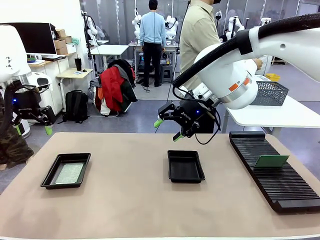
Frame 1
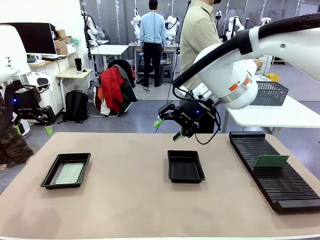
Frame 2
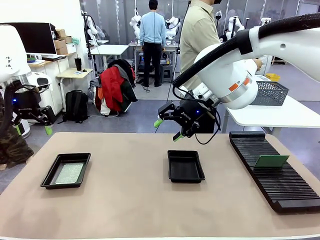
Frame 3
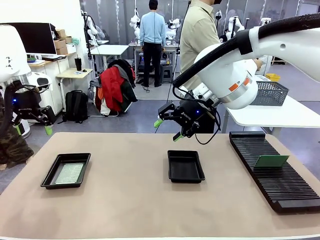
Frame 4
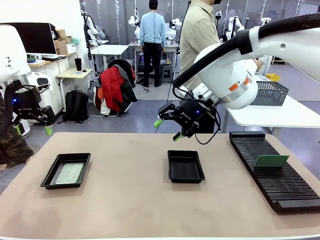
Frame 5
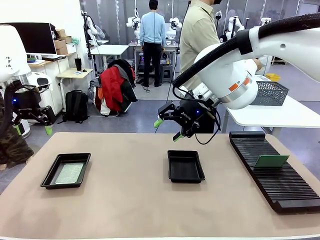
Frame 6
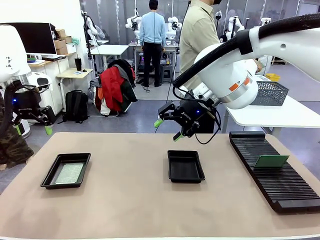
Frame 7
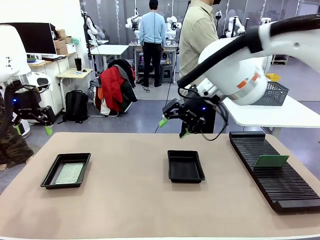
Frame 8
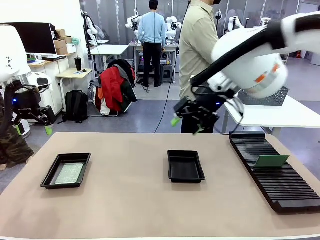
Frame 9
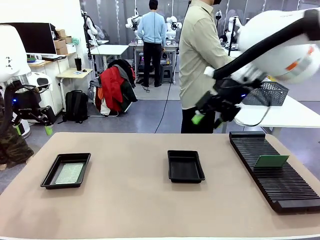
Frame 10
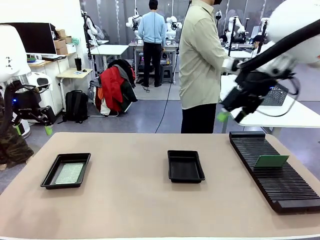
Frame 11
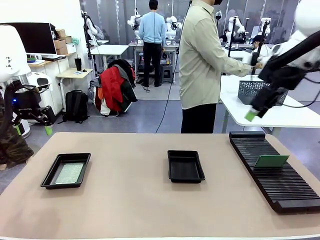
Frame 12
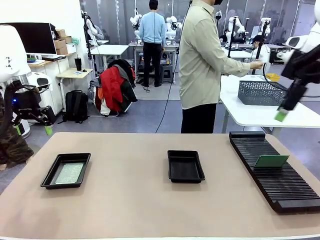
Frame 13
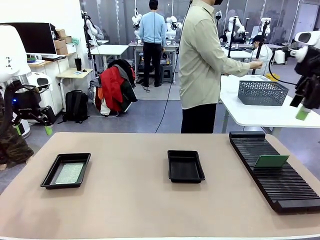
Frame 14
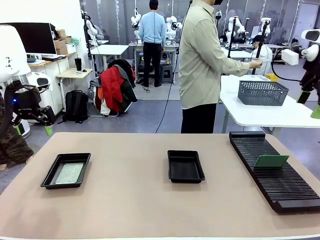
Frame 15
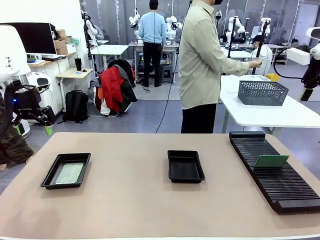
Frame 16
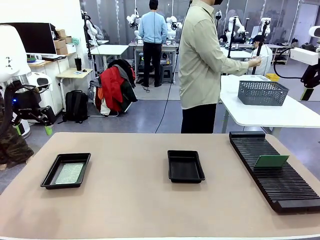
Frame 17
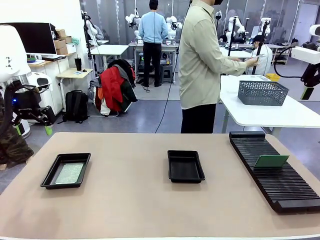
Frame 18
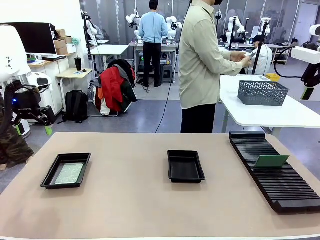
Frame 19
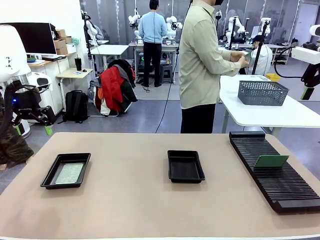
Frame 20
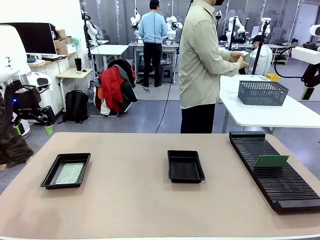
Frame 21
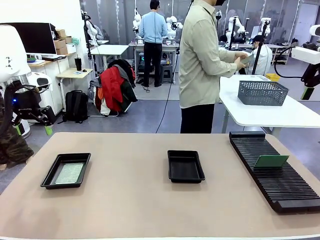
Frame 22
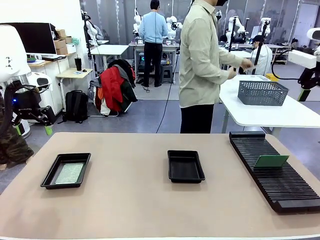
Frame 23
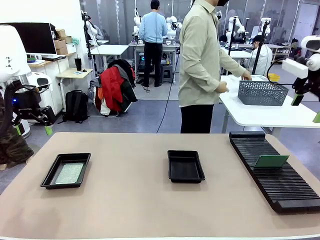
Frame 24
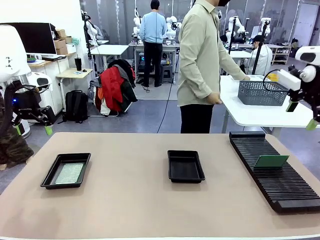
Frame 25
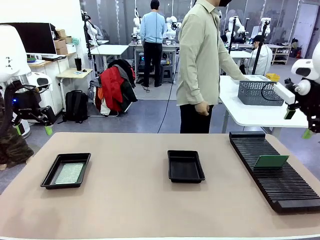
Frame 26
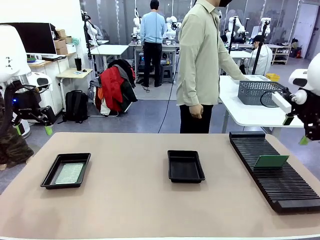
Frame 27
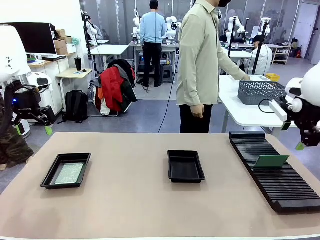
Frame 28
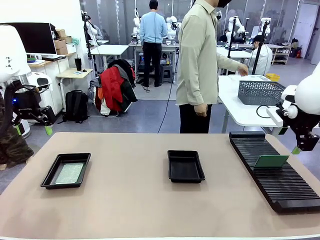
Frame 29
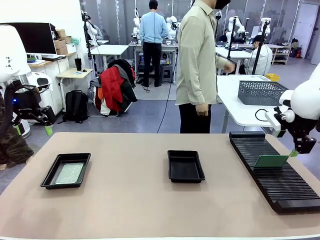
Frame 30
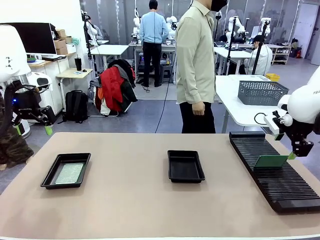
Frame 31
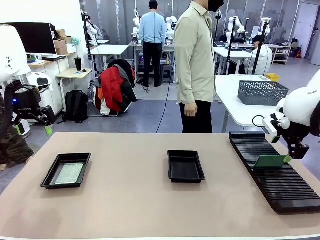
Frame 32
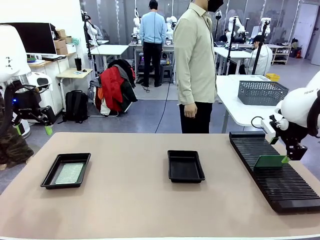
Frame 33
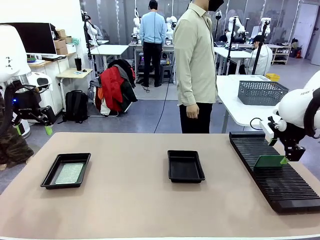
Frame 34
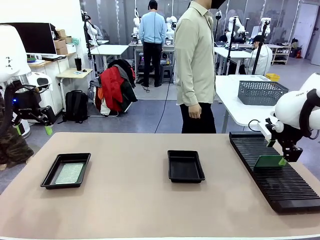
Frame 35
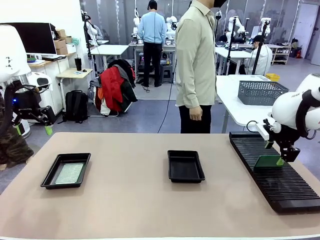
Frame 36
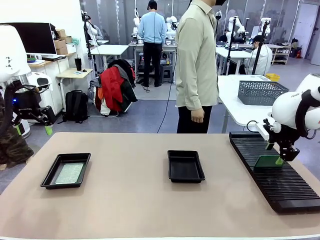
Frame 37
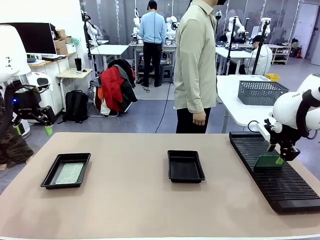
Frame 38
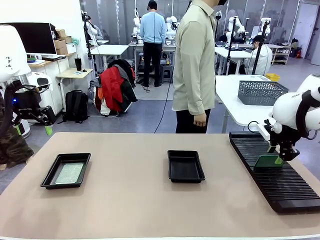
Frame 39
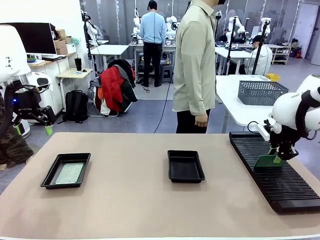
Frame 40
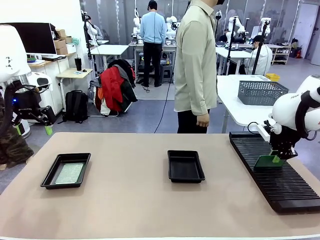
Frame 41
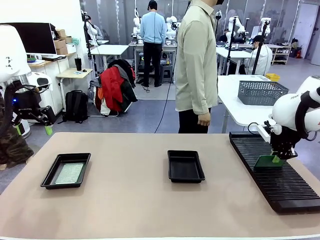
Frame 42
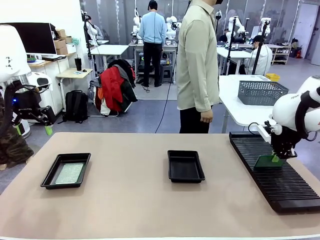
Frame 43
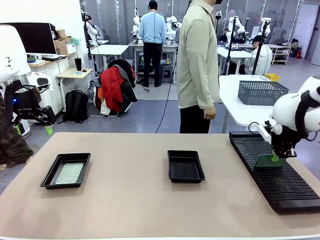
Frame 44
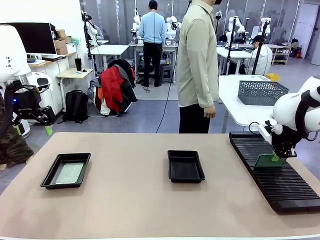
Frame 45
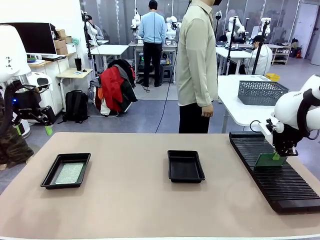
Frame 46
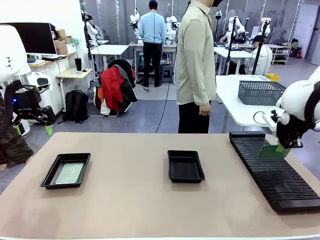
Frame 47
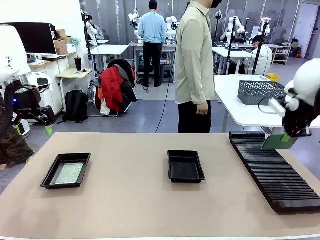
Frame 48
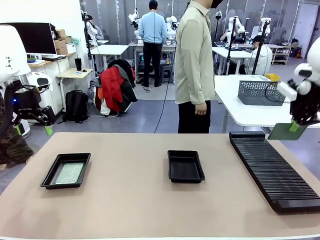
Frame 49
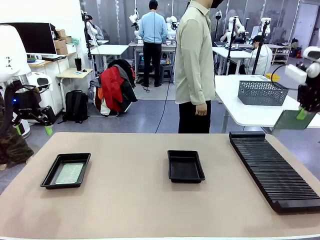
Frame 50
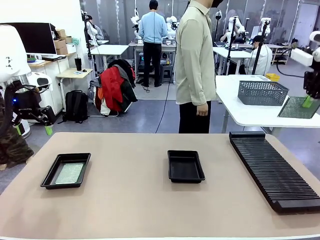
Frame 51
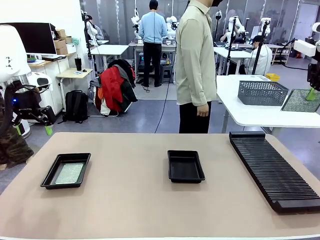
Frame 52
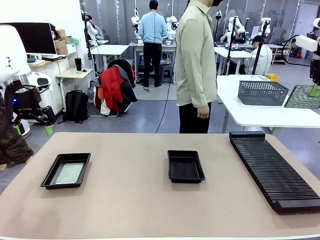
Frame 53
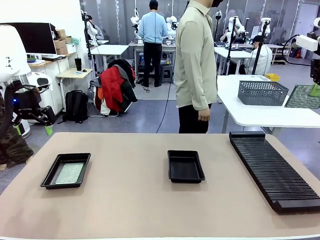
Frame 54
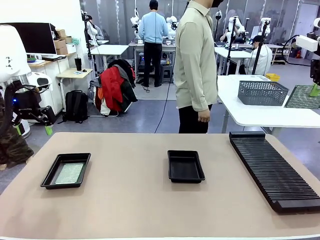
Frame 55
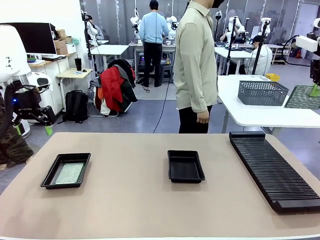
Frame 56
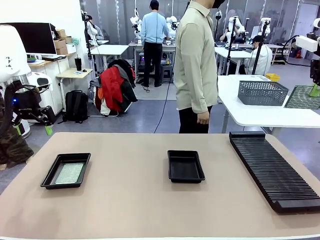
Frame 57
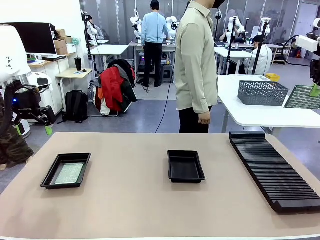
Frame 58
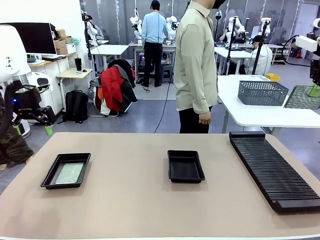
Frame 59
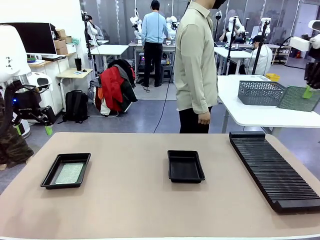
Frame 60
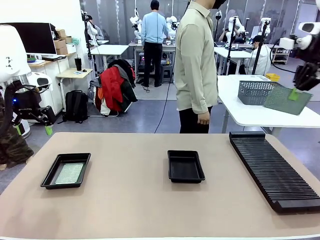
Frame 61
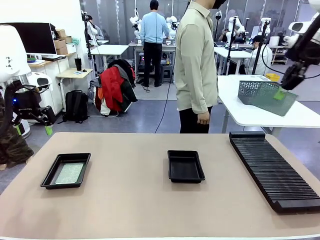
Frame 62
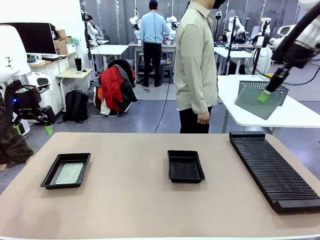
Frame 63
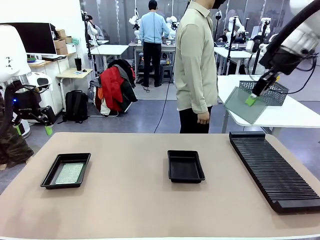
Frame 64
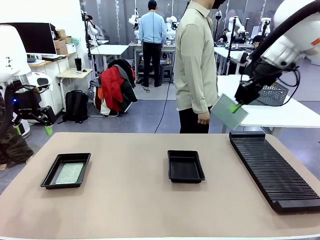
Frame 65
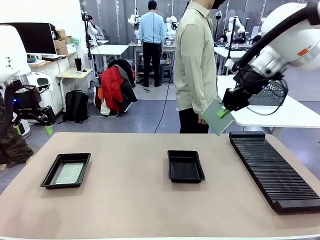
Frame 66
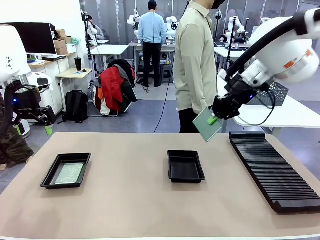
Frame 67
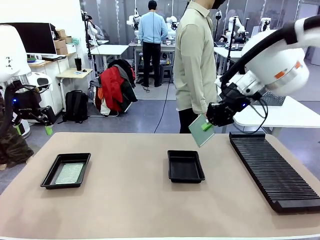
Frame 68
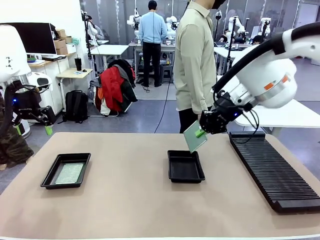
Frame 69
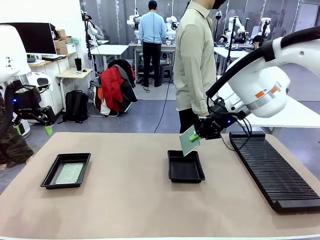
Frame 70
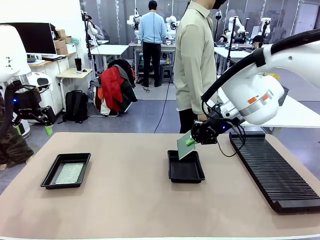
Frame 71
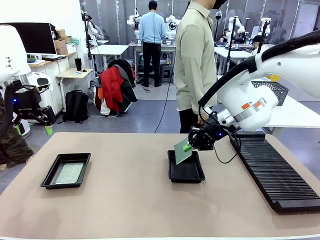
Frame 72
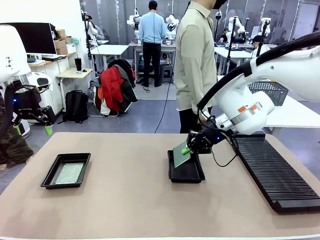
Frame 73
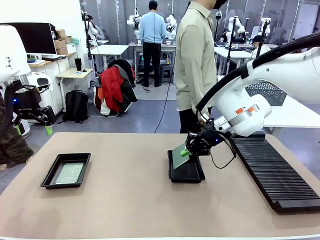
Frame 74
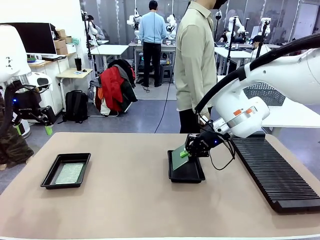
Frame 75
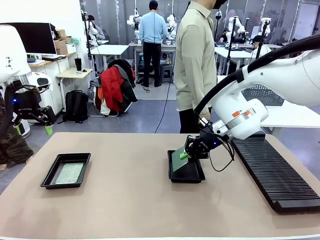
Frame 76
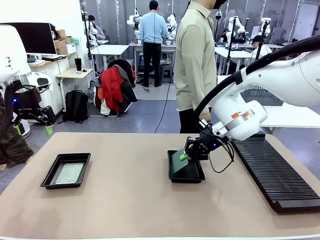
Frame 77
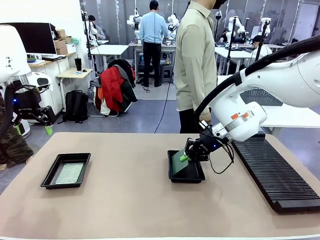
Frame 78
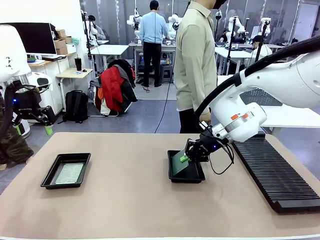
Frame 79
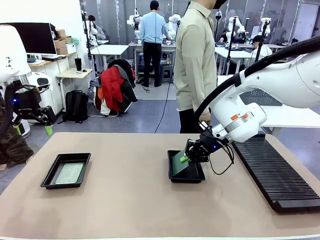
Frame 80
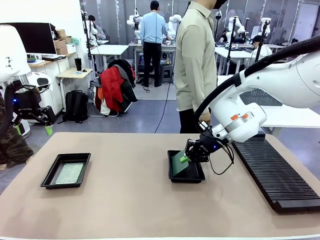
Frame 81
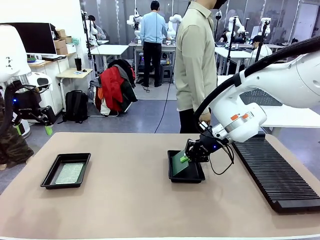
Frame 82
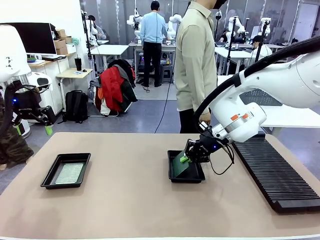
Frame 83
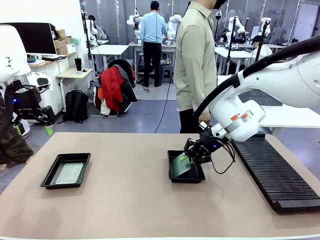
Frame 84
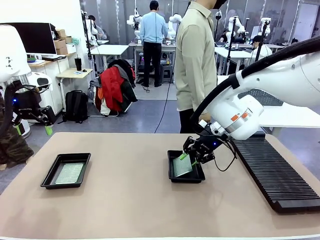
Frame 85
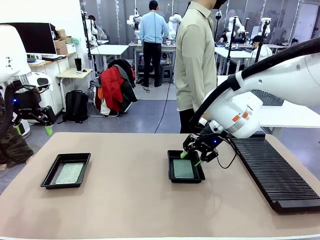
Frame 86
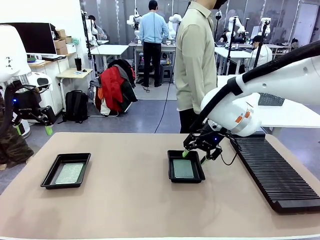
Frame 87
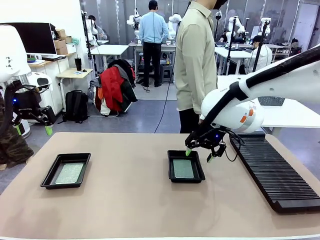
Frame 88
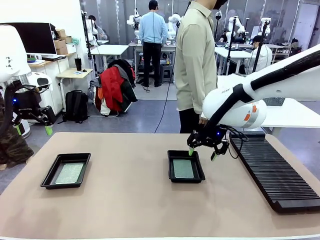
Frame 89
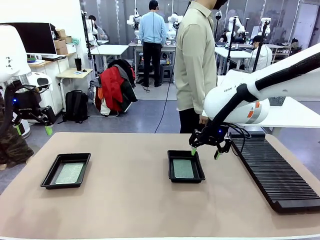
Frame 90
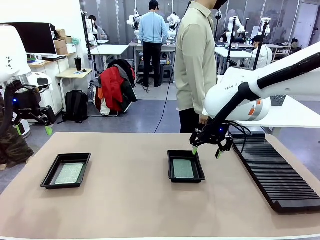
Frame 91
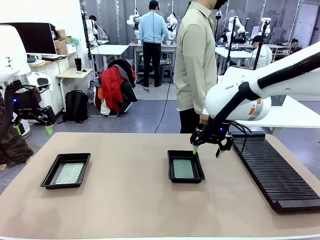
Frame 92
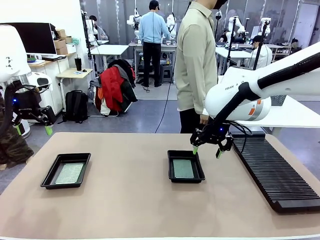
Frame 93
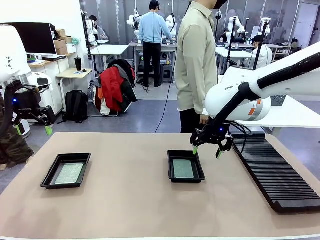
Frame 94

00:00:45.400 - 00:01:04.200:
Task: Inspect and transfer BCBs to ESD trays.
Robot: Pick up the Blank PCB from the PCB Rack and place it in the right ESD tray.
